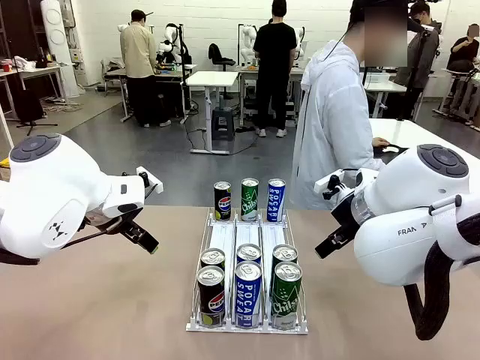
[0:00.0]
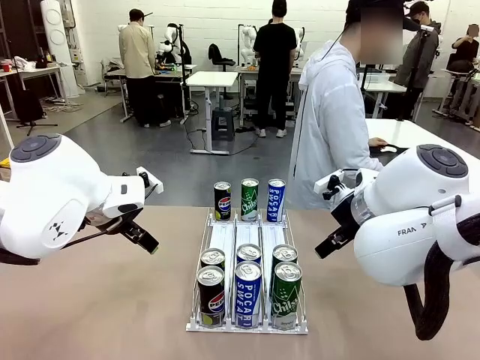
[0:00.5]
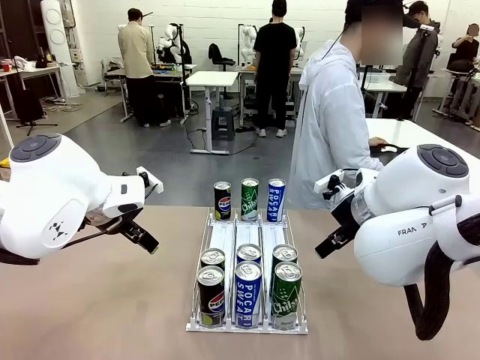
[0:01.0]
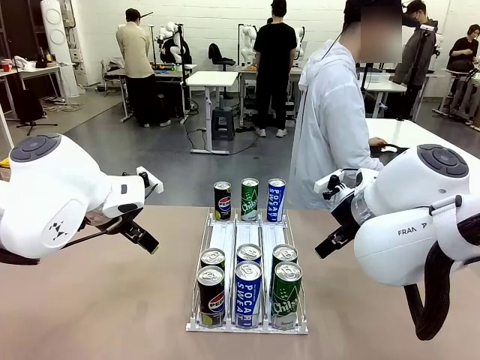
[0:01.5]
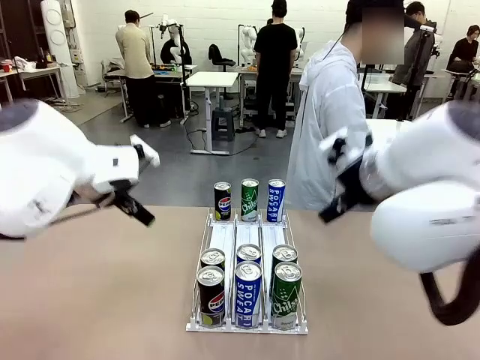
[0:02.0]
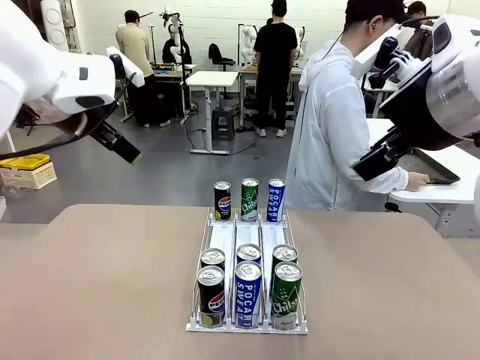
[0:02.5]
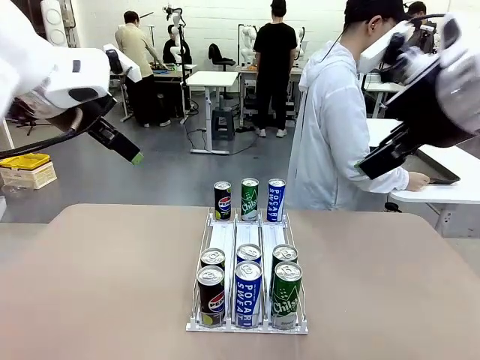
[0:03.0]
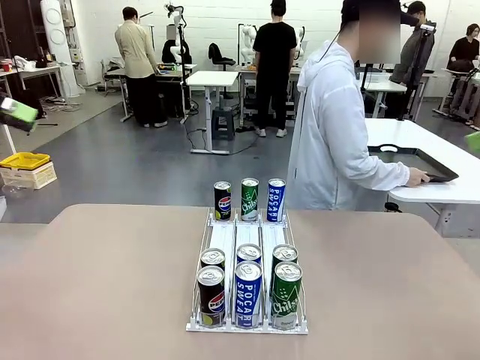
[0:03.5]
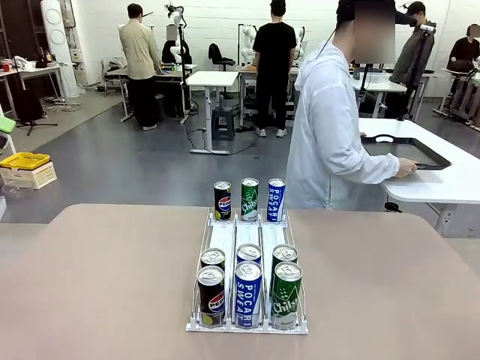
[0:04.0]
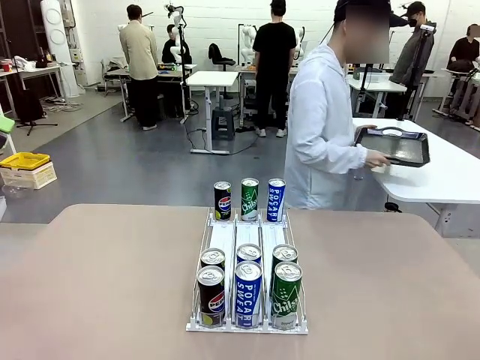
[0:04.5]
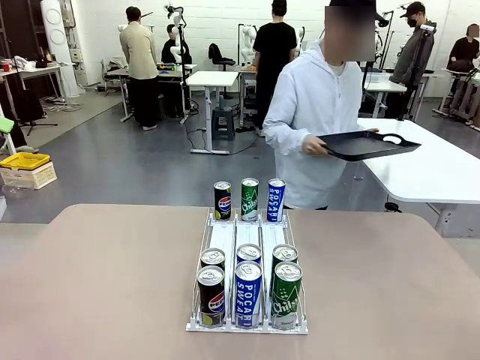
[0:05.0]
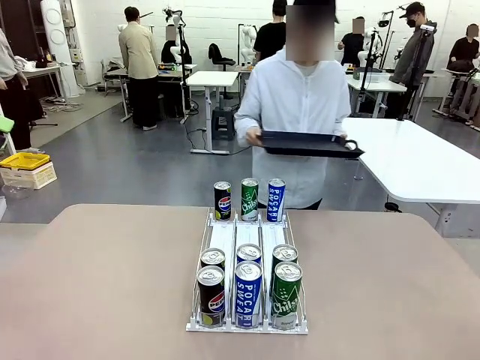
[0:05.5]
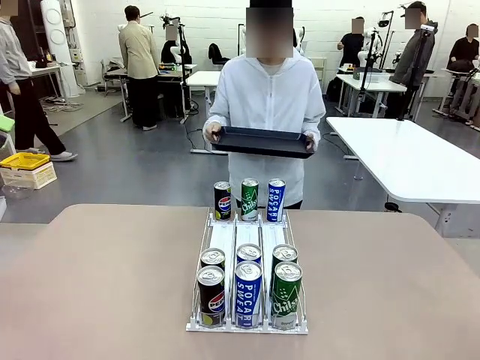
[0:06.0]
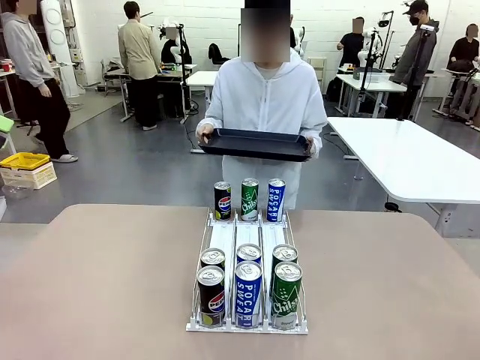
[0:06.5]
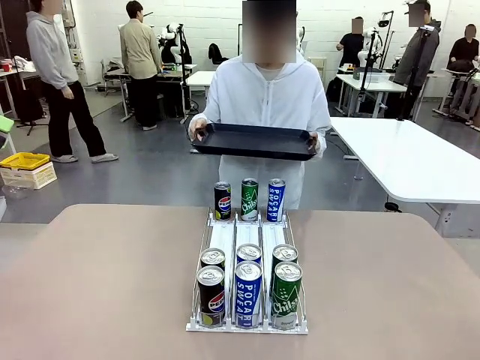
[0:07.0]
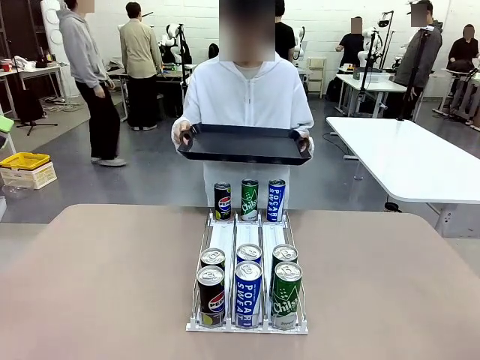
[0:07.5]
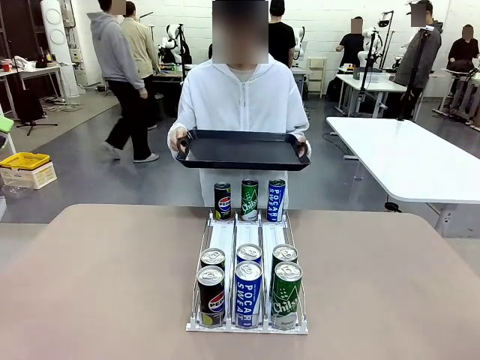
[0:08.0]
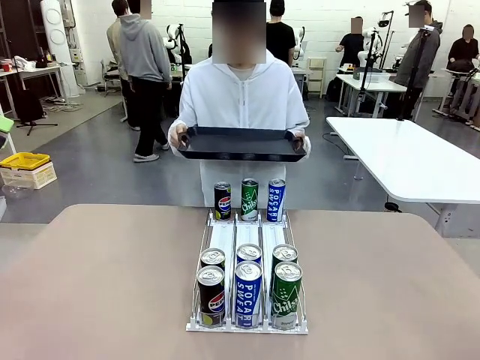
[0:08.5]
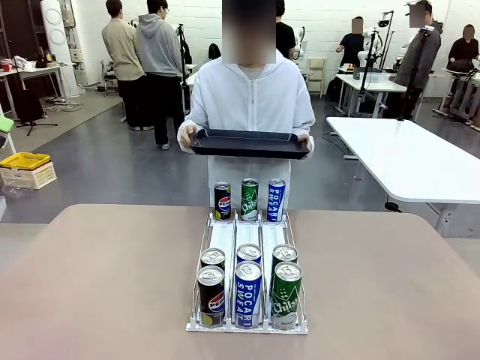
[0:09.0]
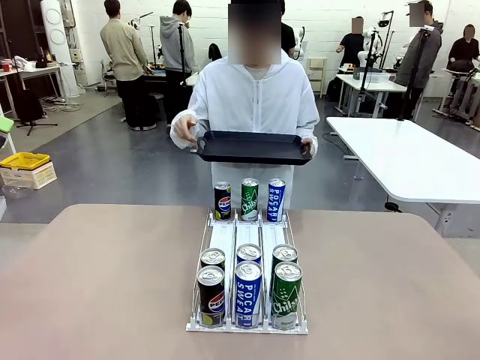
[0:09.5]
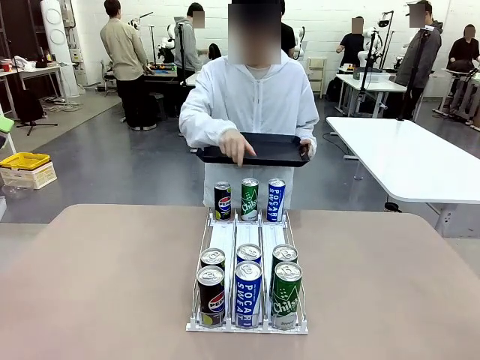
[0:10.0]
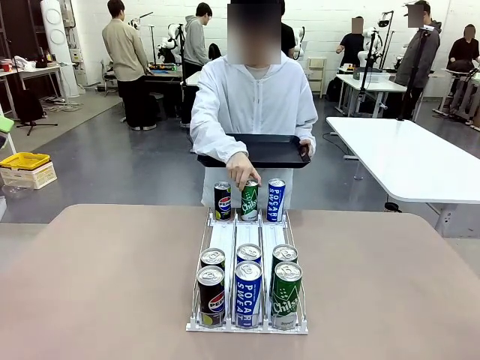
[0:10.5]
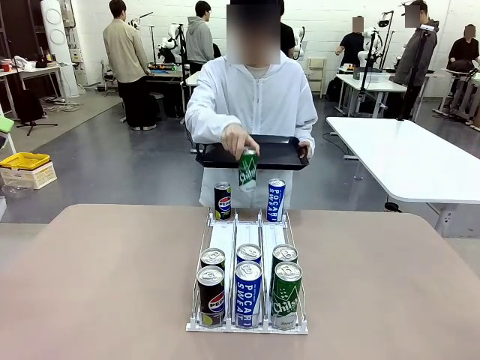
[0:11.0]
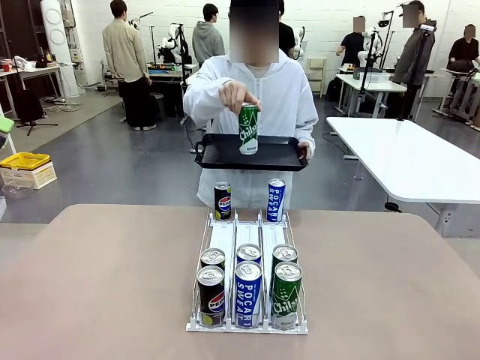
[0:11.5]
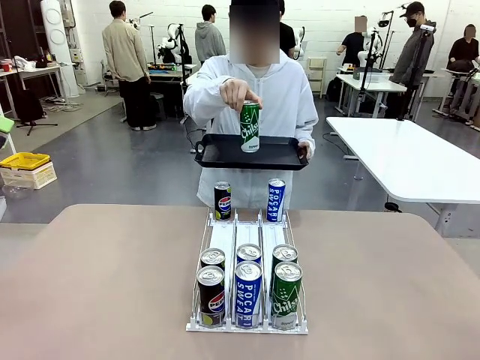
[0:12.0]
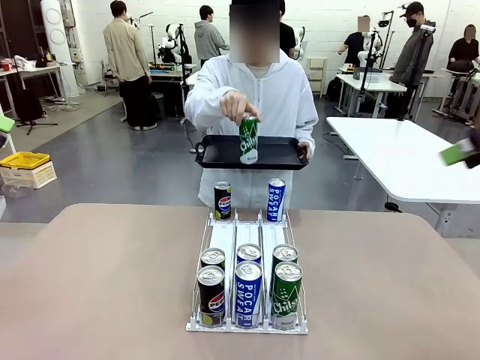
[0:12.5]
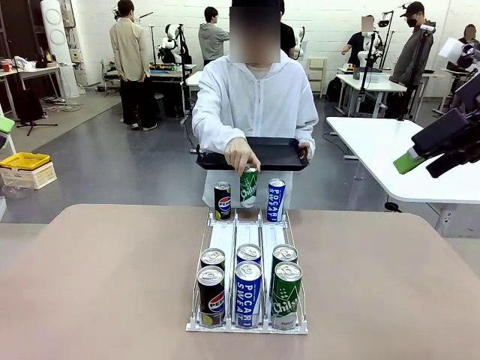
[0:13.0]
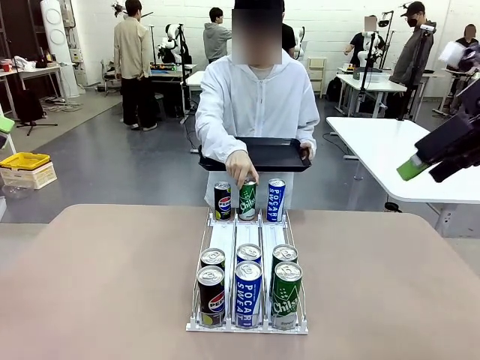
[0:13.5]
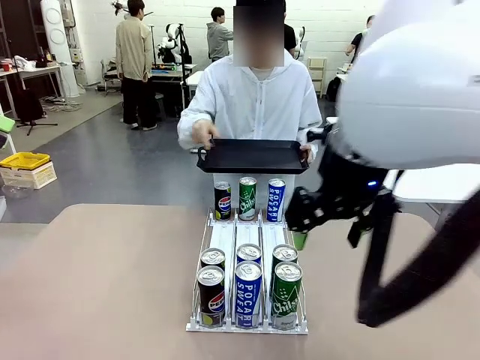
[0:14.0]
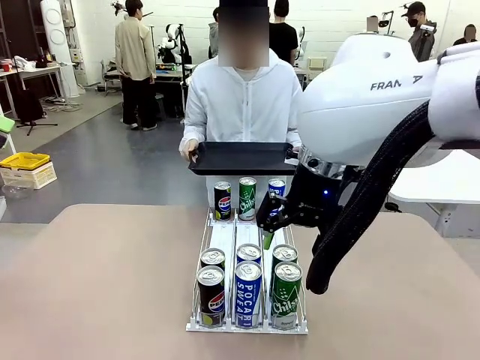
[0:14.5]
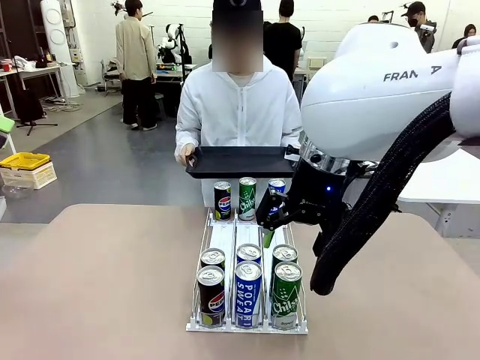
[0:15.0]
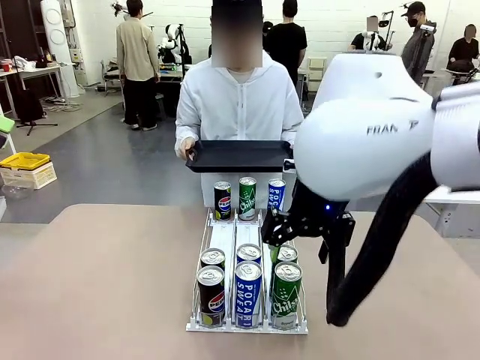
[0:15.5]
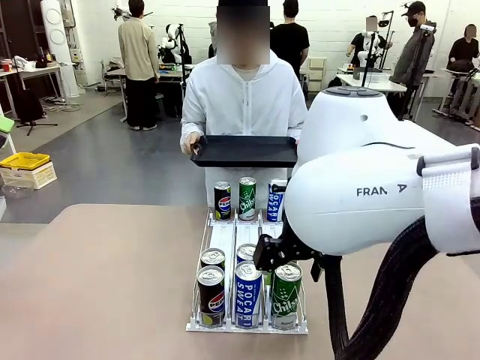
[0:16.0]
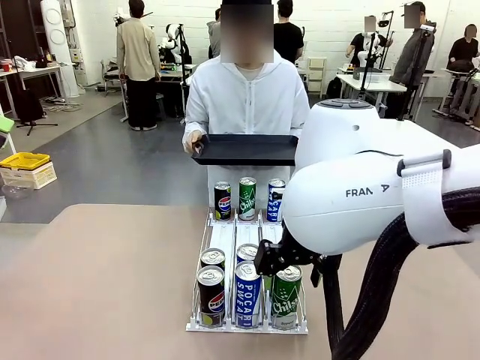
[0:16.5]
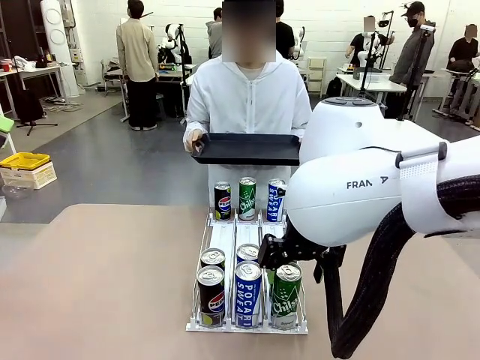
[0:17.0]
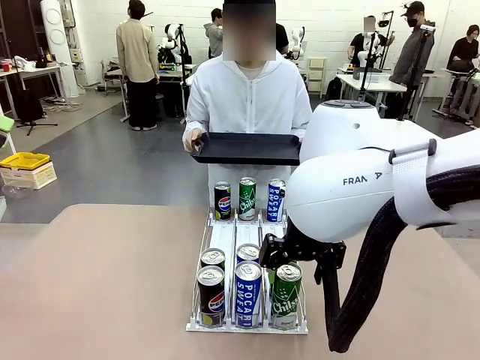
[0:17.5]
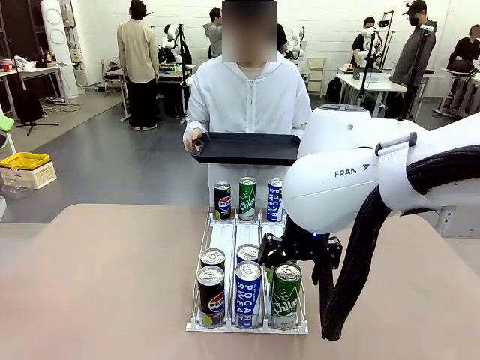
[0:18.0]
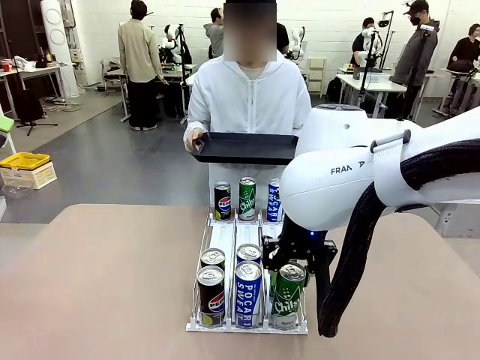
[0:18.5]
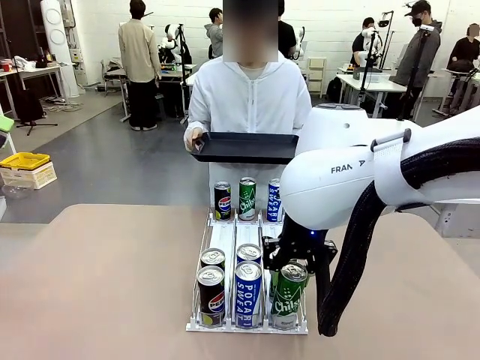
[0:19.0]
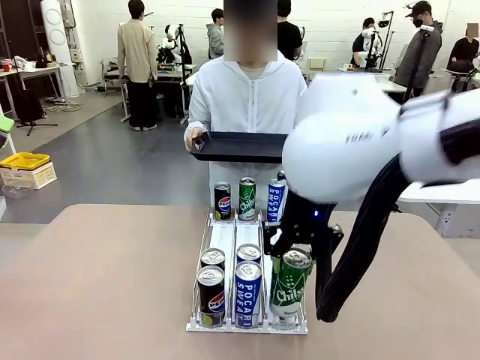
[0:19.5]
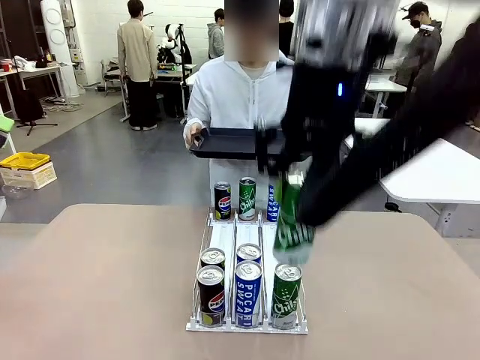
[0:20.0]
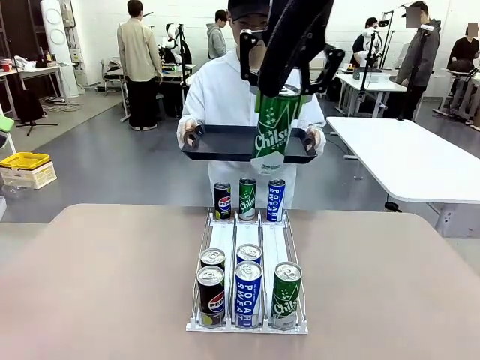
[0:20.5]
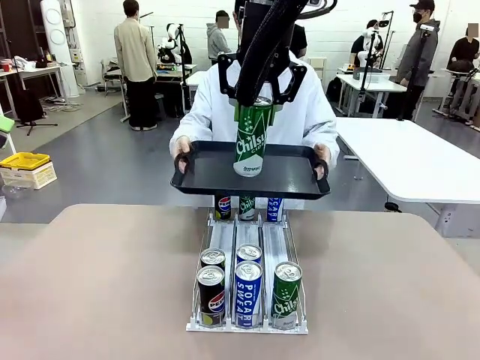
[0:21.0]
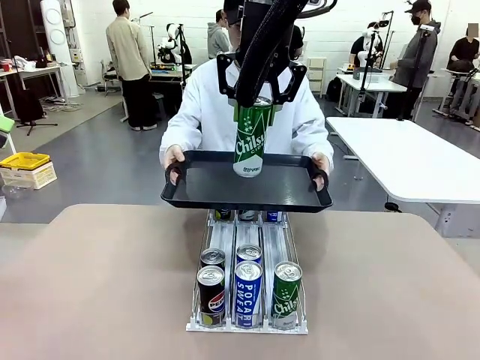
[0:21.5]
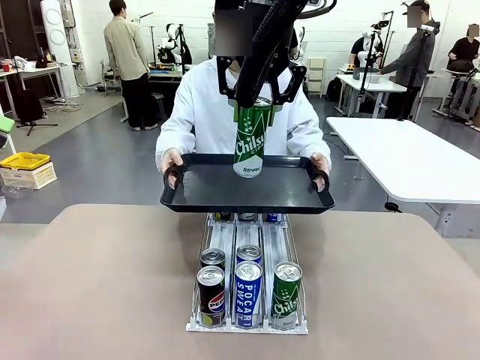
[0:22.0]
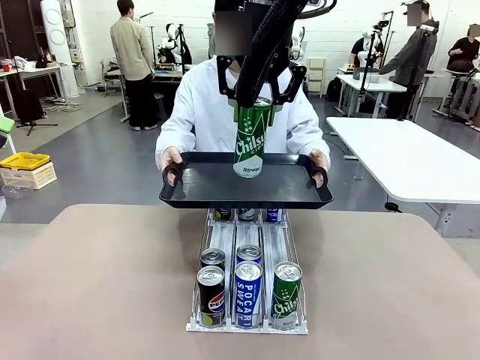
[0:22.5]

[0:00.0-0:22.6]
Task: Retrieve and hand over the desired beverage to the person.
Robot: Pick up a can of the same type that the person held from the Automatic Can Dispenser.
Person: Hold the tray and position yourself in front of the robot table. Pick up one can from the bottom area of the table and puts it back in its original place. Push the tray toward the robot.
